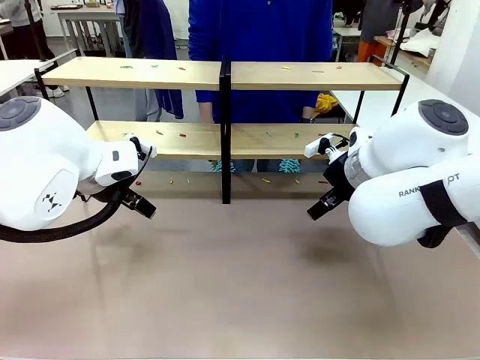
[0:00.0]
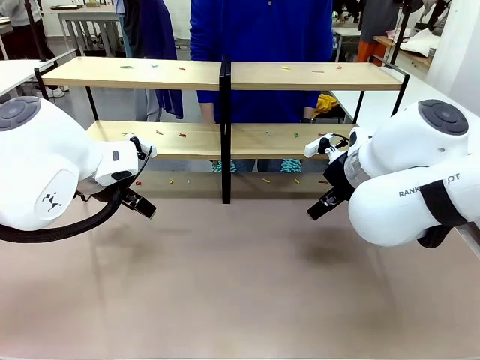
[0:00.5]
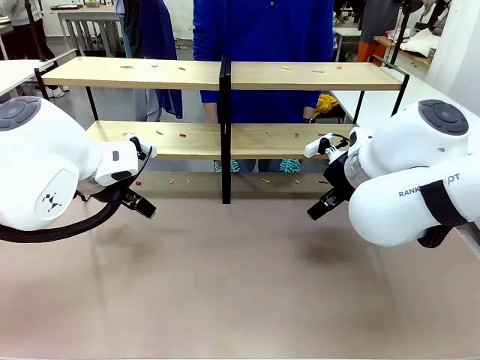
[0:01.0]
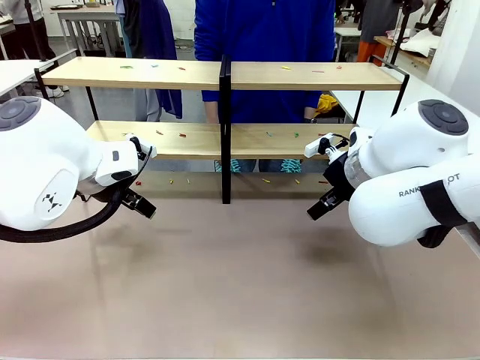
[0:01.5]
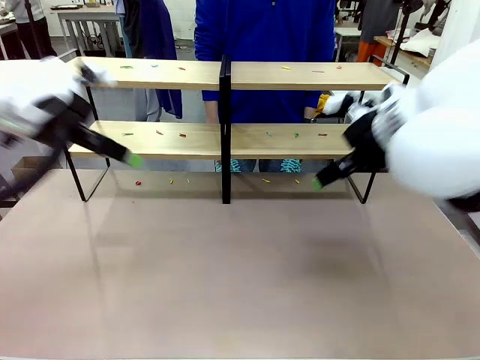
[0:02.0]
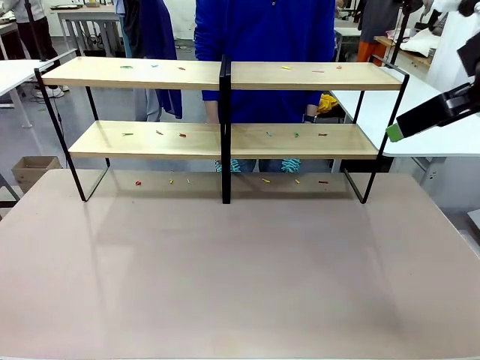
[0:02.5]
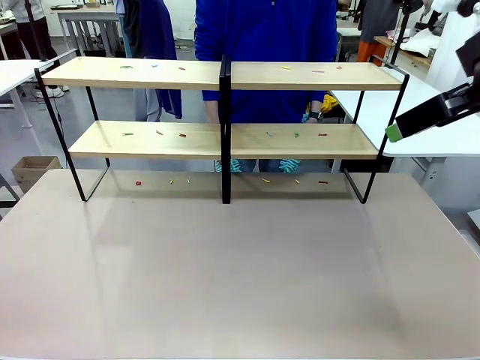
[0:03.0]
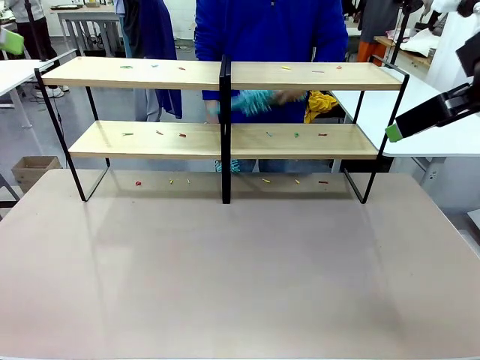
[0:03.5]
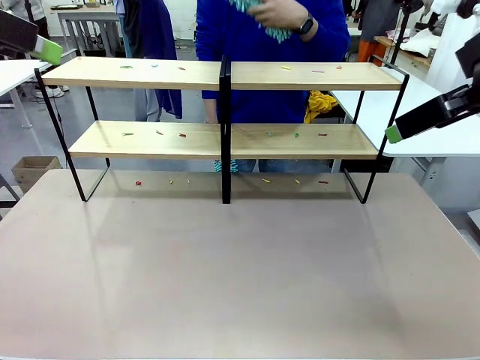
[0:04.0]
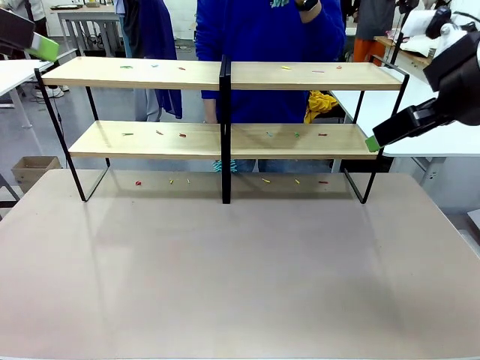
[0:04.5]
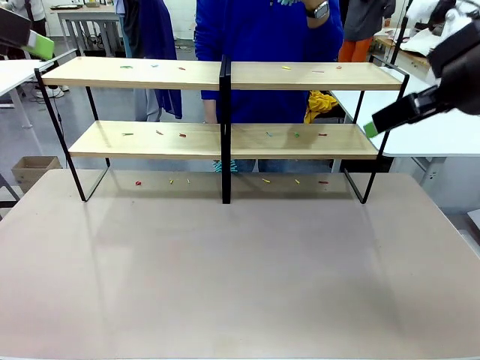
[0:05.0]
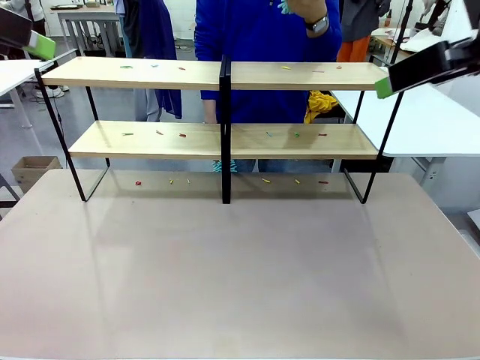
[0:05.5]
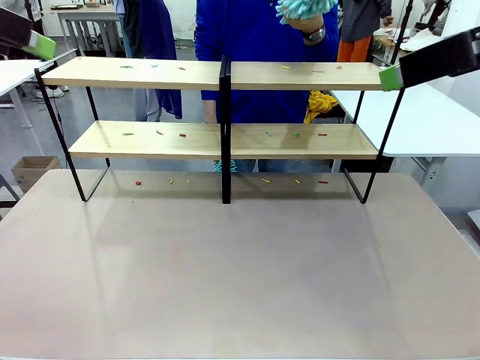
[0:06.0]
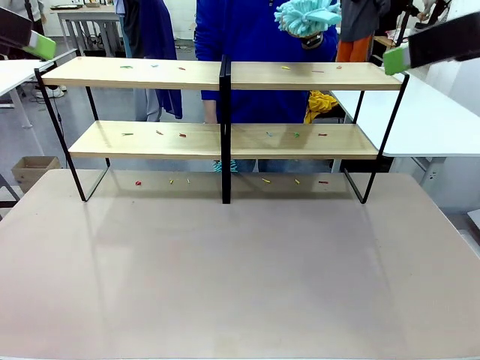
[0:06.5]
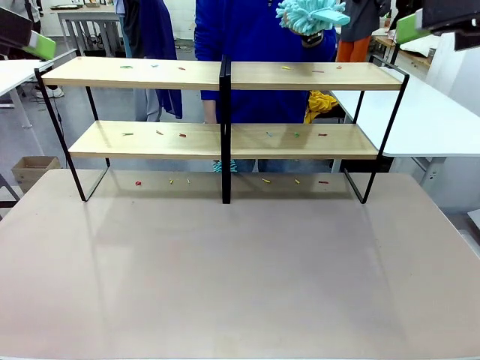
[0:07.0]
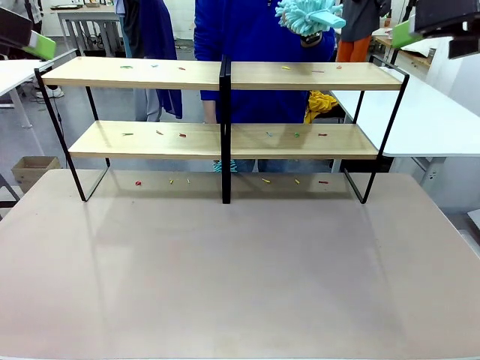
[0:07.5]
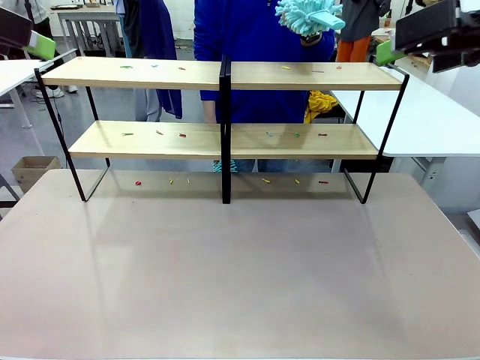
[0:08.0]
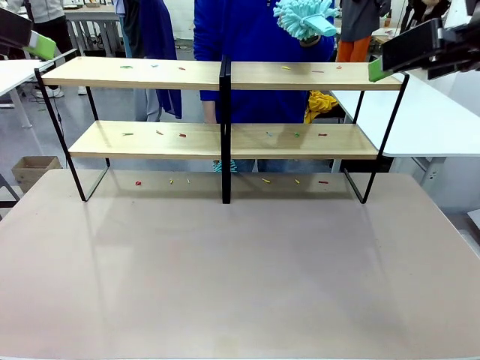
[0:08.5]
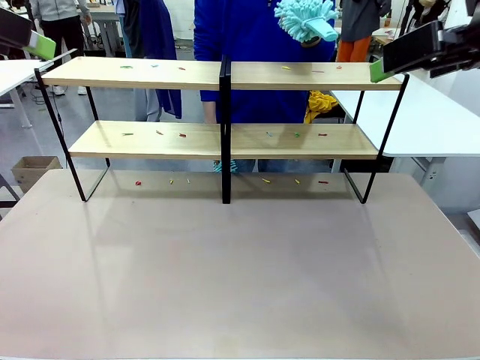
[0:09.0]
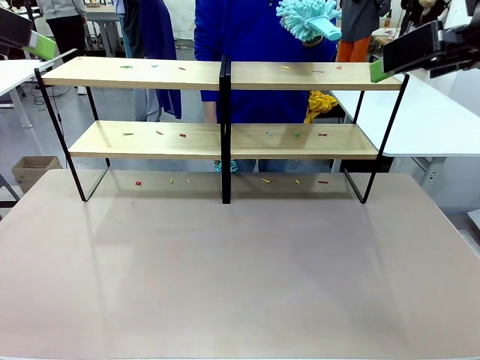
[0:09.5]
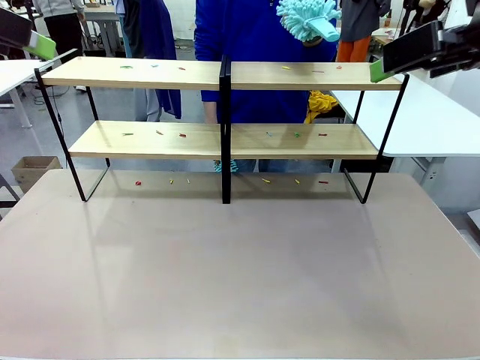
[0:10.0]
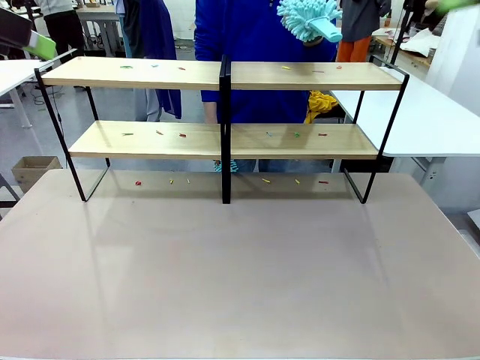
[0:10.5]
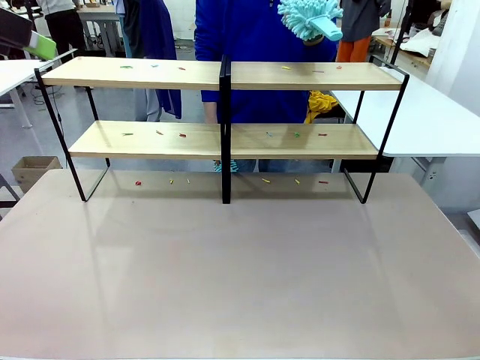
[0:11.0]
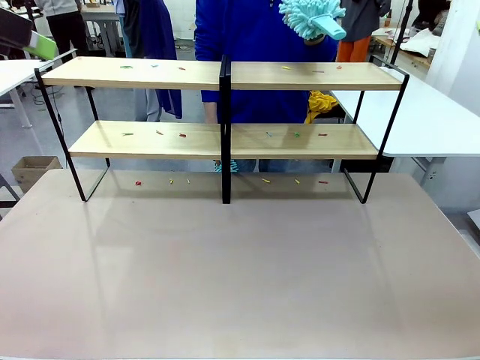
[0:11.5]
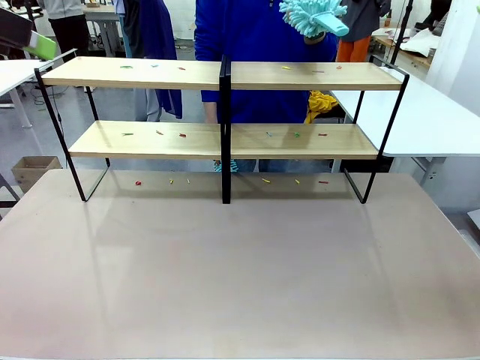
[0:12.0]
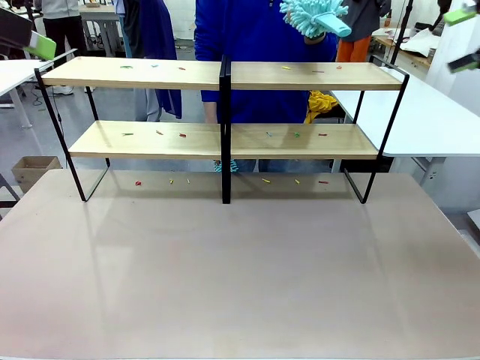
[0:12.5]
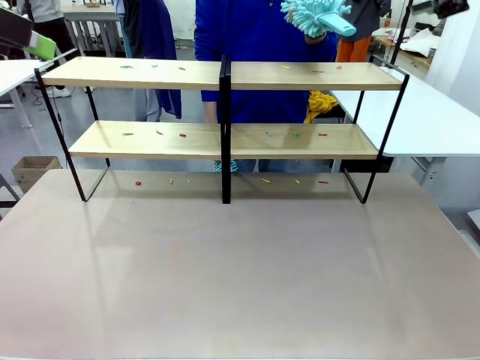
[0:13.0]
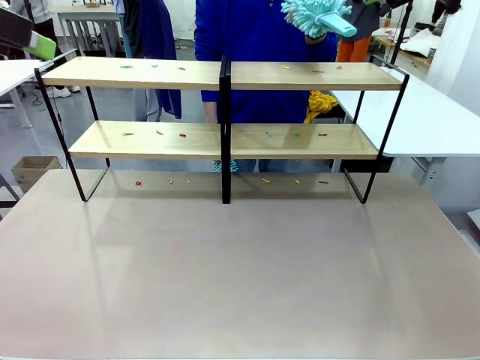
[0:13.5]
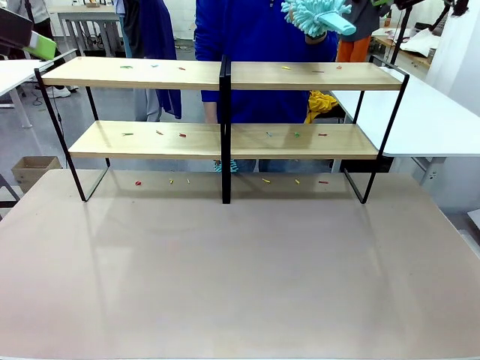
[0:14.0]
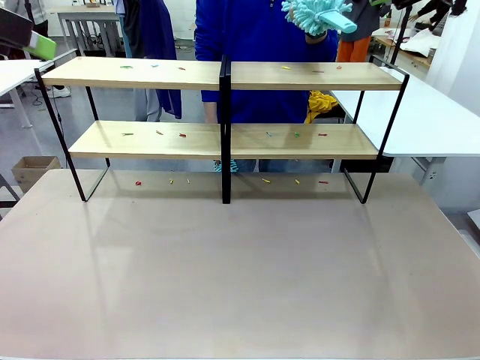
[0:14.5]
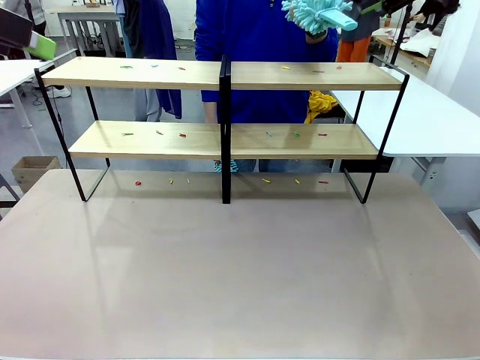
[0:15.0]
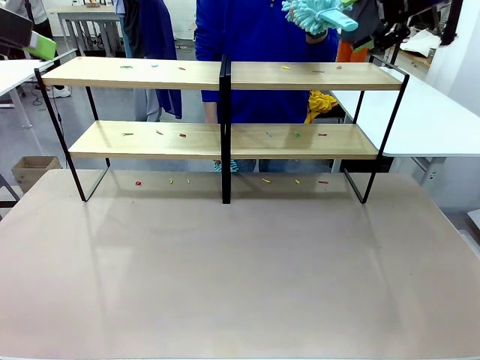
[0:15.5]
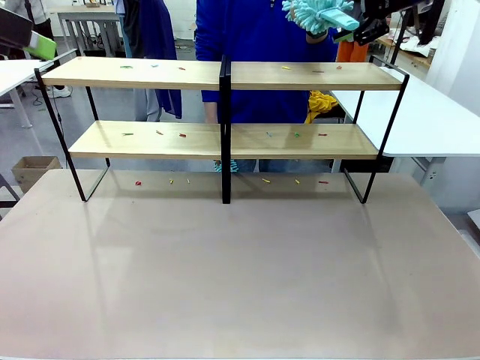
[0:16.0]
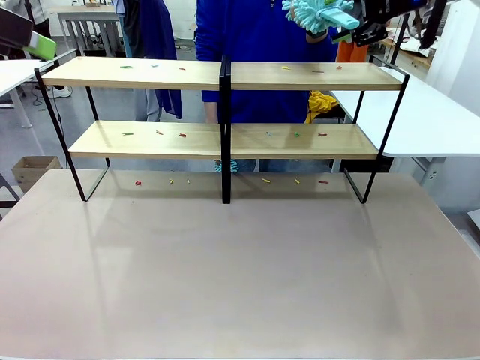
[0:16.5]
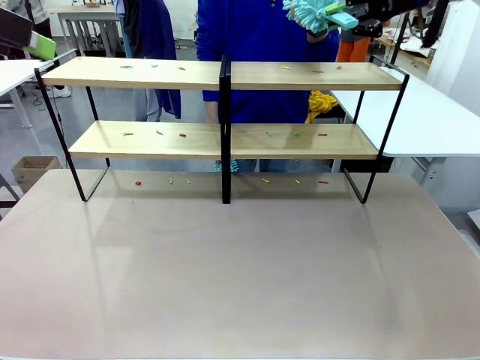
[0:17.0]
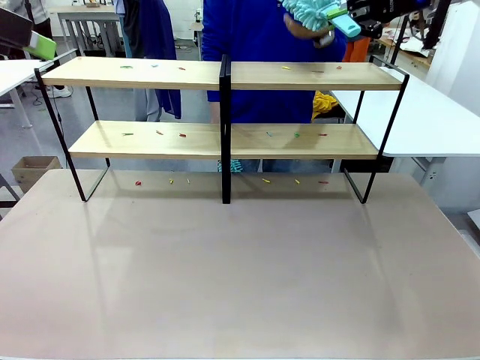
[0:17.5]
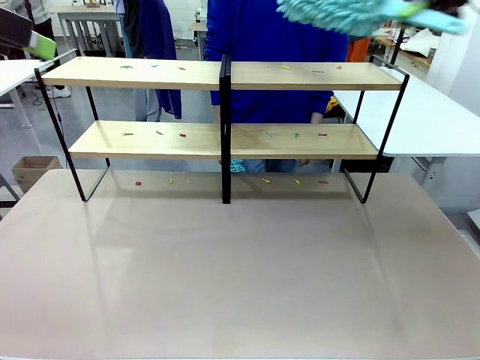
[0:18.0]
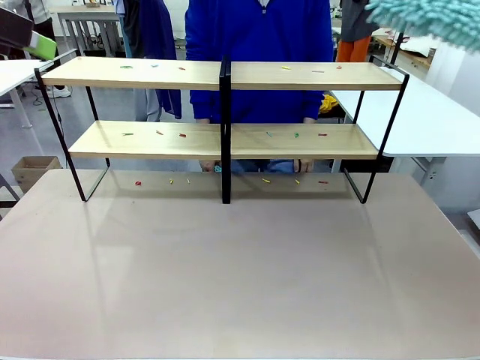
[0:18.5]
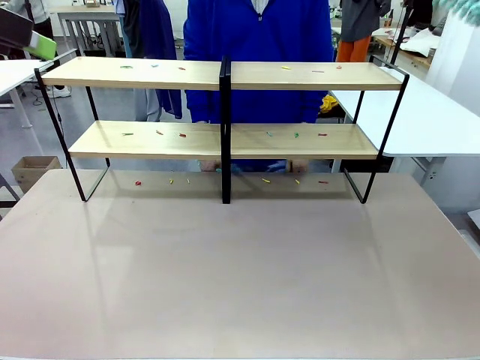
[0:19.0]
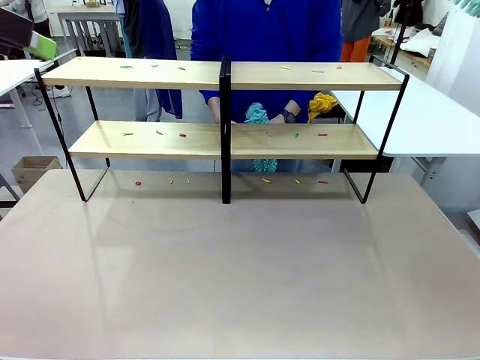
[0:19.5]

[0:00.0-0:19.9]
Task: Clean the shelves.
Robot: Pick up the Duster when the human hands it over.
Person: Hand the Duster to the robot with your right (or left) hand.

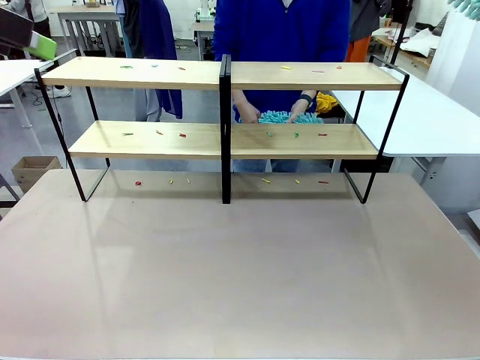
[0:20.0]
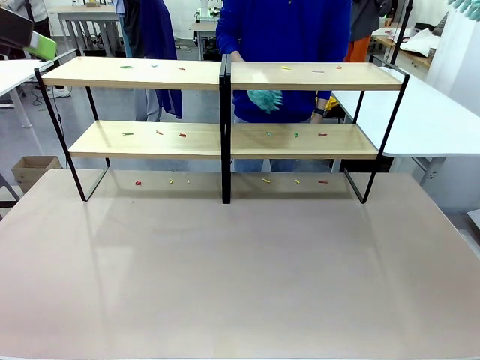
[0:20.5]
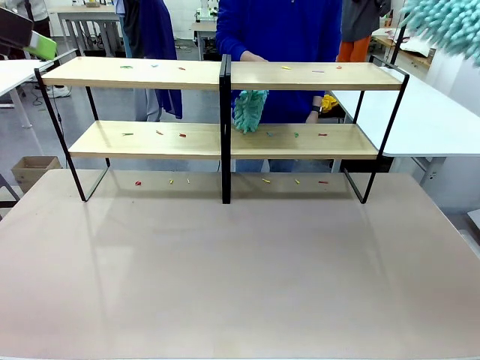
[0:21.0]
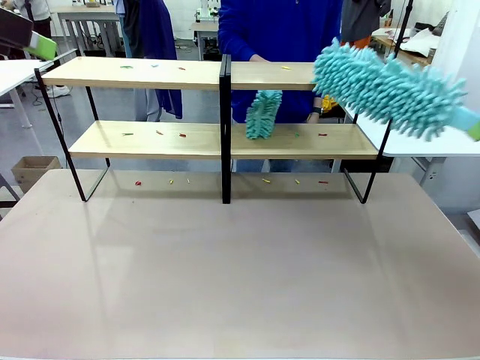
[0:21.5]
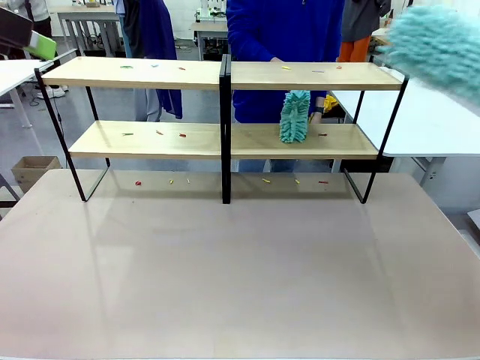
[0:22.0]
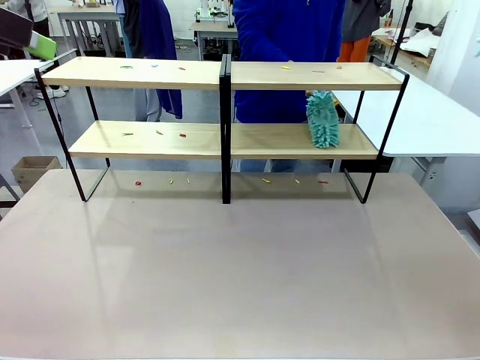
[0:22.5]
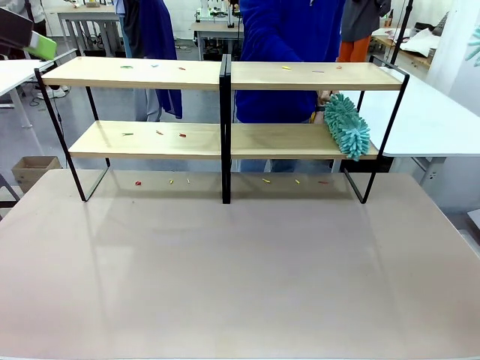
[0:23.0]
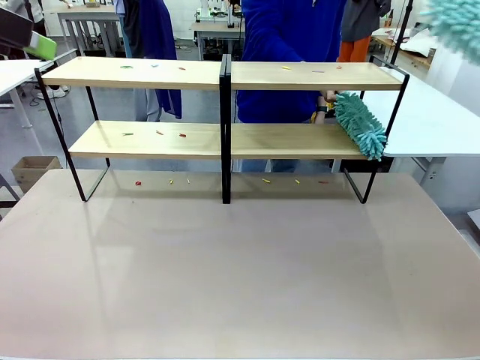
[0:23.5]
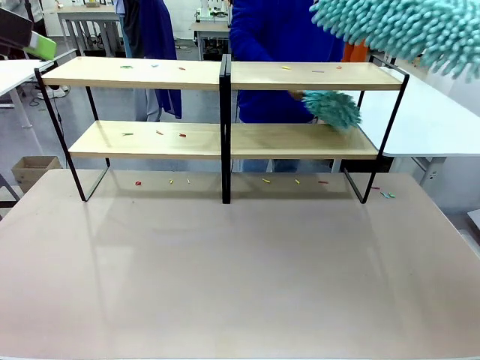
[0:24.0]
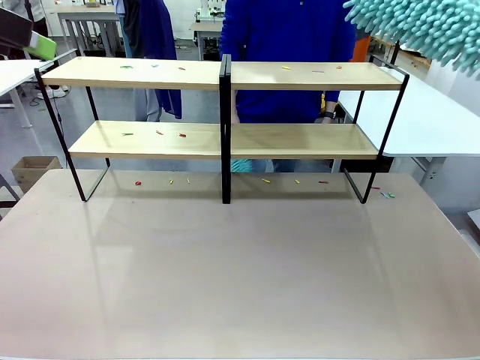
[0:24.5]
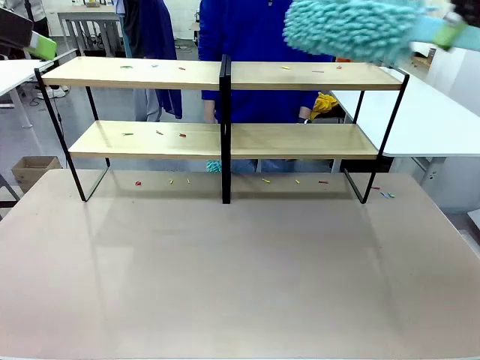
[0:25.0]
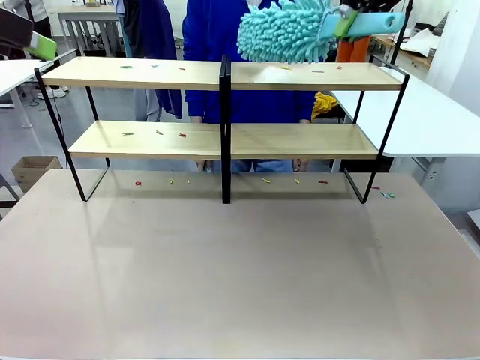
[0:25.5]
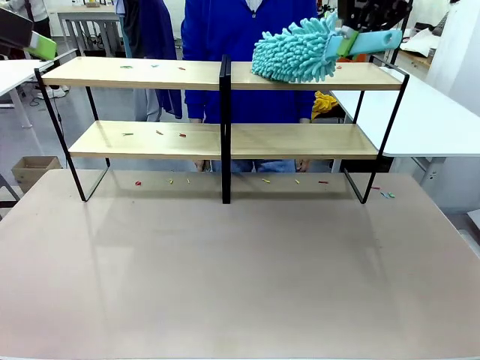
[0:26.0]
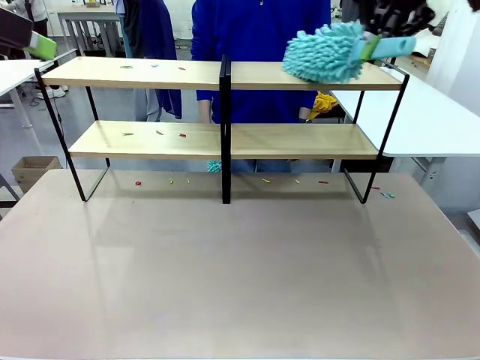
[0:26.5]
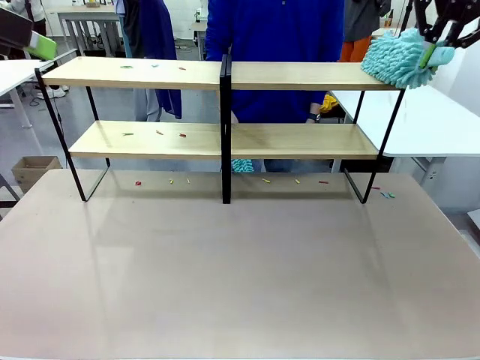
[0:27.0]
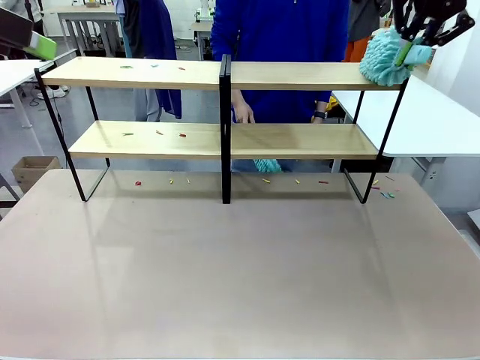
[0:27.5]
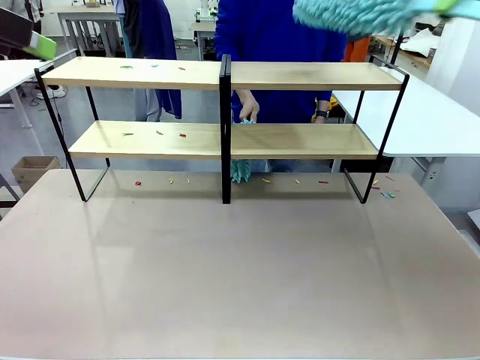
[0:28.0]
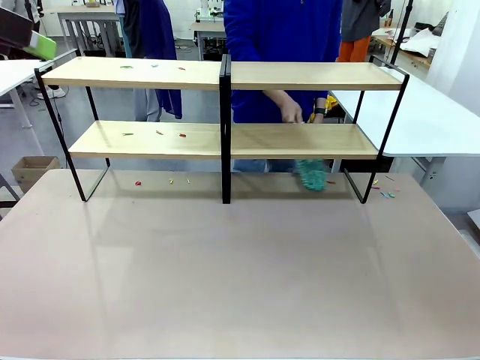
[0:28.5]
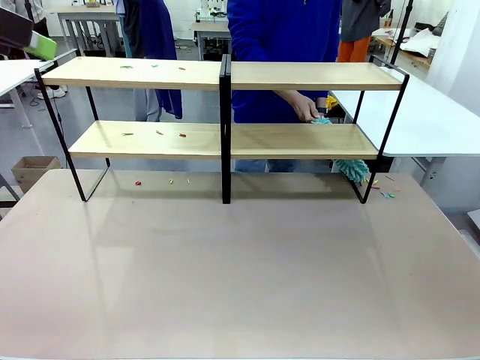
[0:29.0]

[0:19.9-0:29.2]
Robot: Clean a randomly selected level of the Shelf with the Duster.
